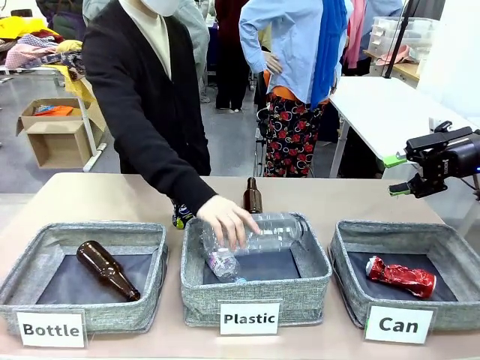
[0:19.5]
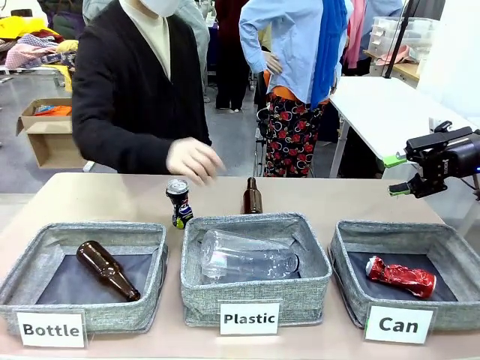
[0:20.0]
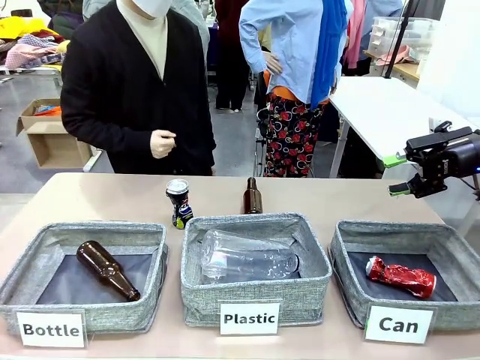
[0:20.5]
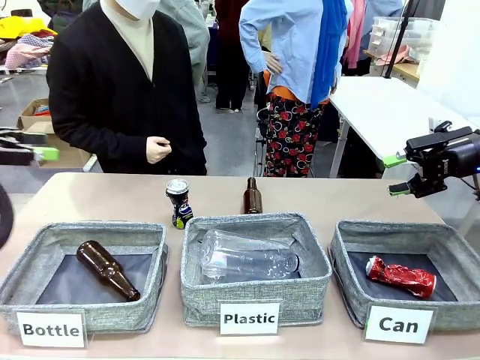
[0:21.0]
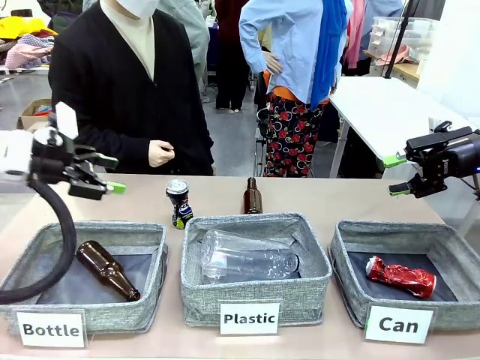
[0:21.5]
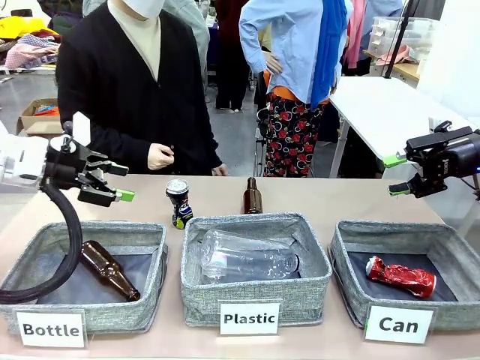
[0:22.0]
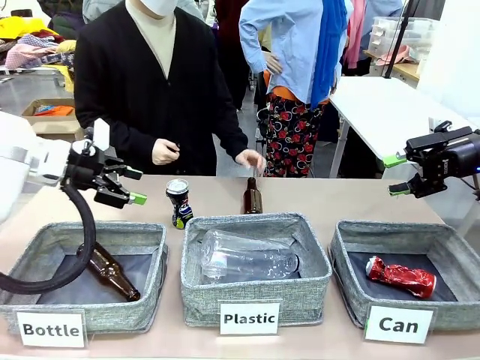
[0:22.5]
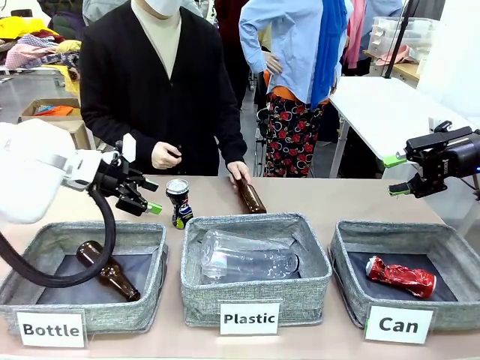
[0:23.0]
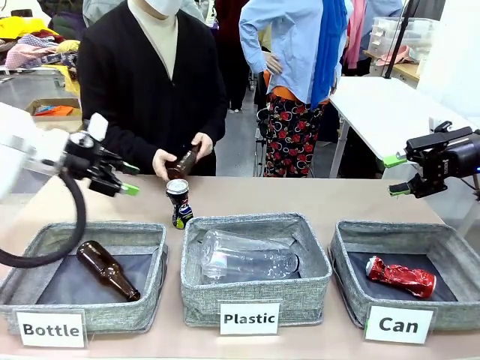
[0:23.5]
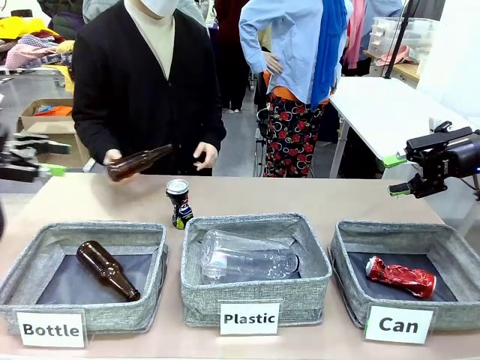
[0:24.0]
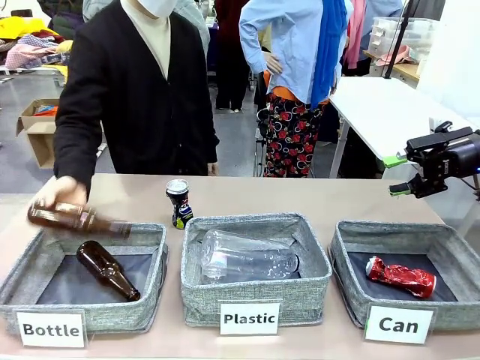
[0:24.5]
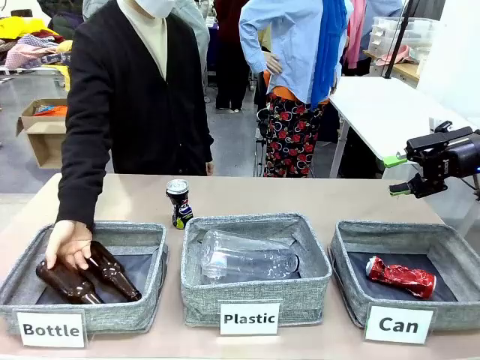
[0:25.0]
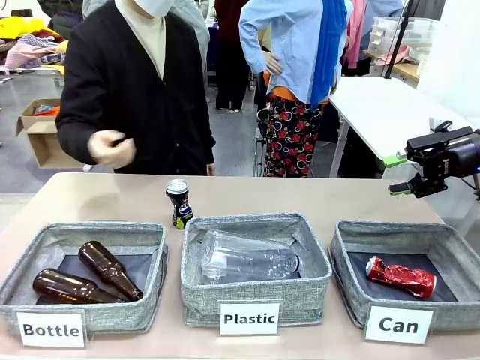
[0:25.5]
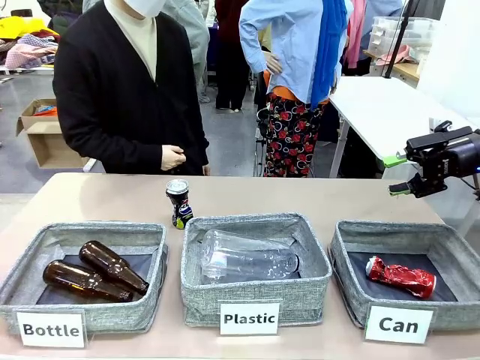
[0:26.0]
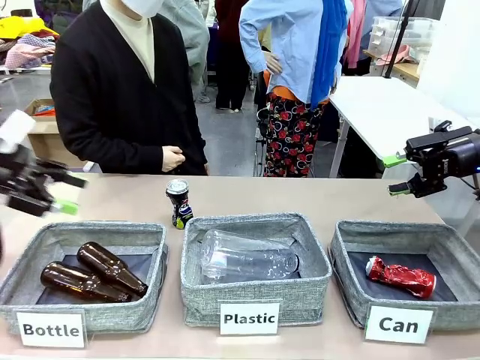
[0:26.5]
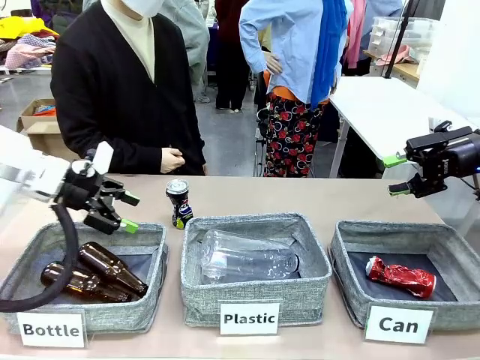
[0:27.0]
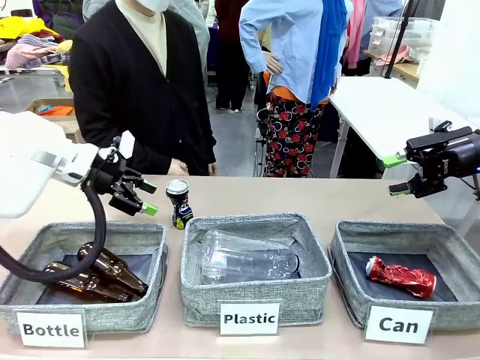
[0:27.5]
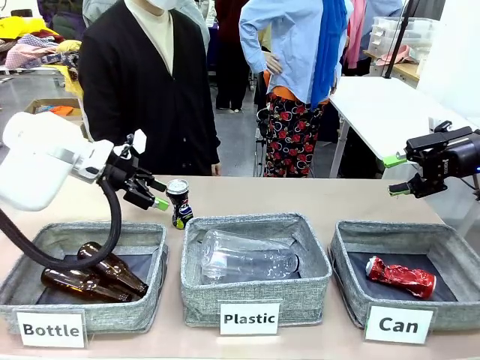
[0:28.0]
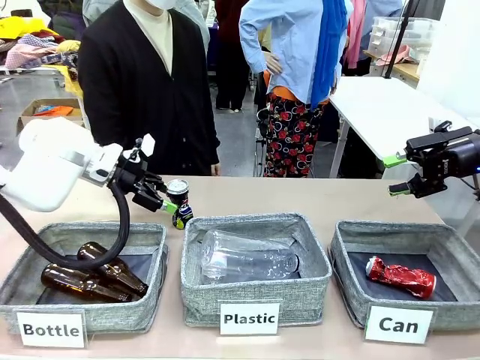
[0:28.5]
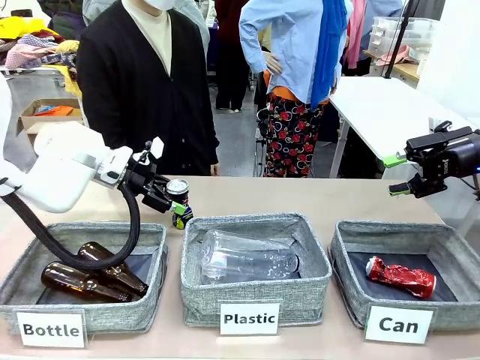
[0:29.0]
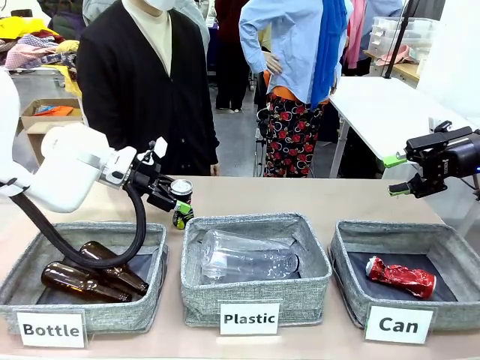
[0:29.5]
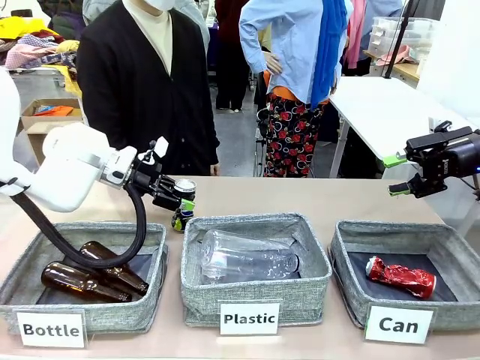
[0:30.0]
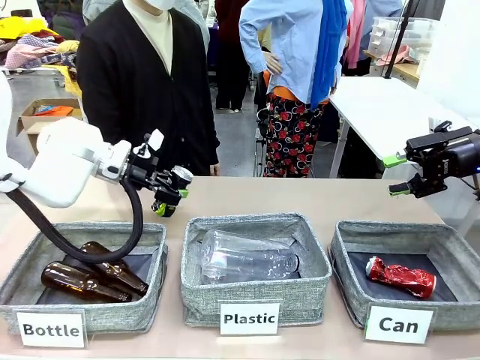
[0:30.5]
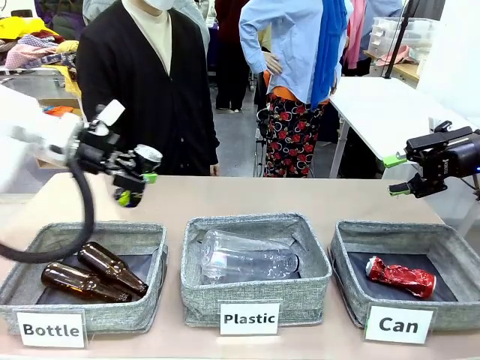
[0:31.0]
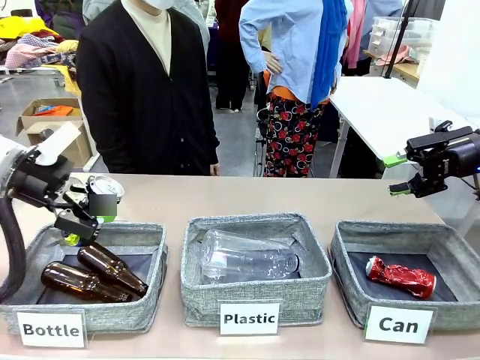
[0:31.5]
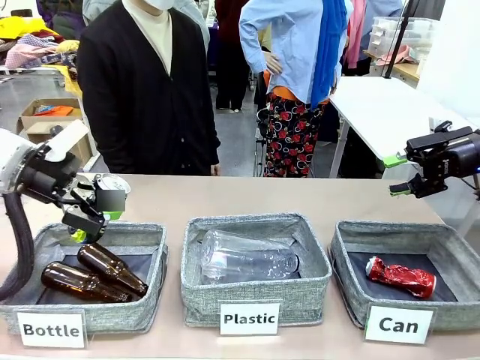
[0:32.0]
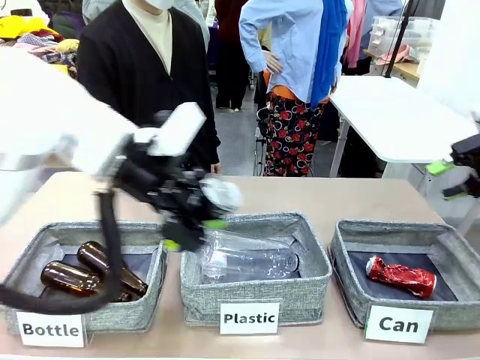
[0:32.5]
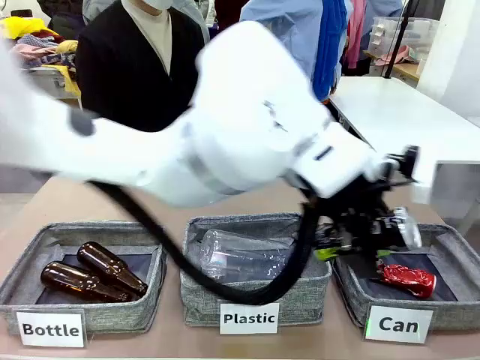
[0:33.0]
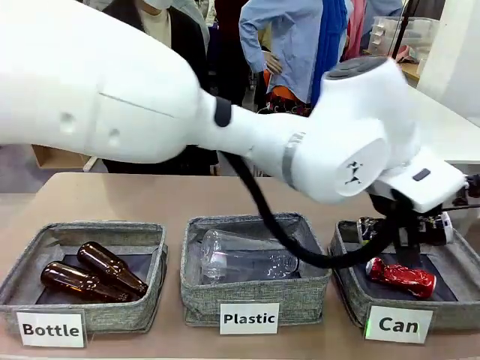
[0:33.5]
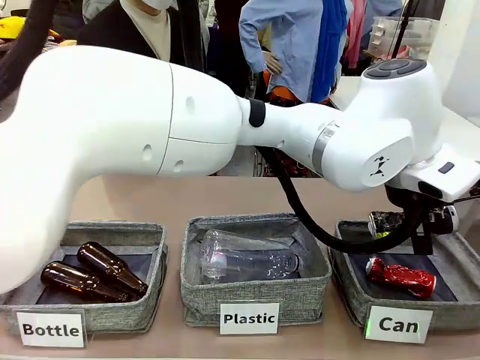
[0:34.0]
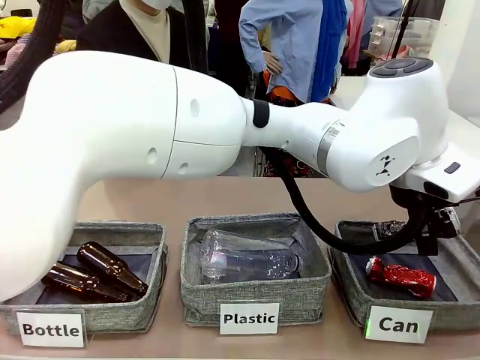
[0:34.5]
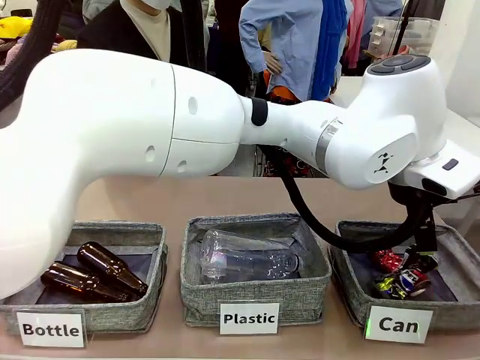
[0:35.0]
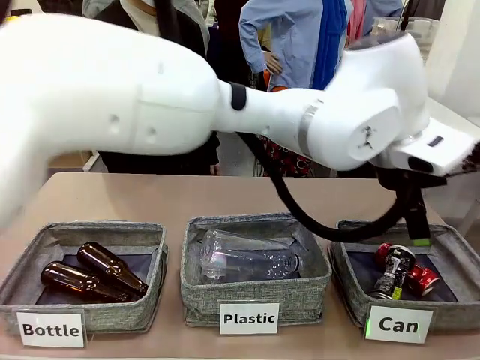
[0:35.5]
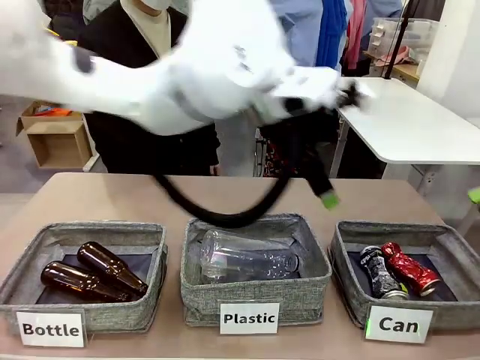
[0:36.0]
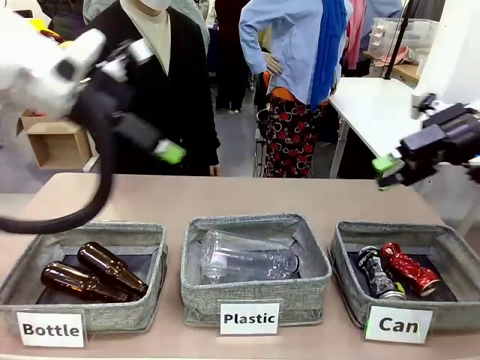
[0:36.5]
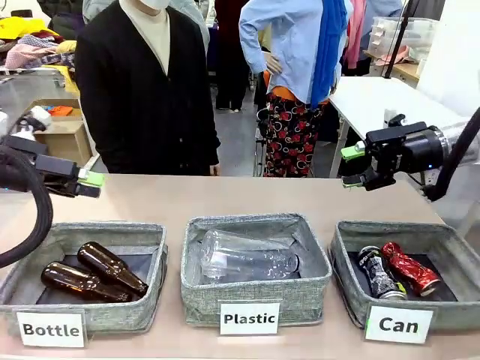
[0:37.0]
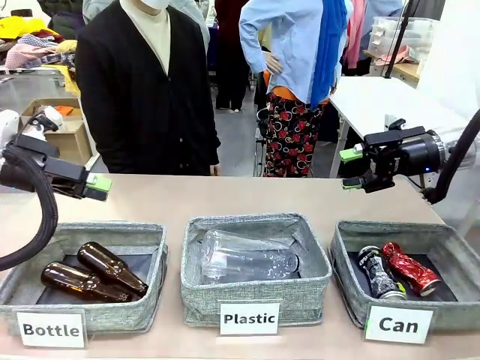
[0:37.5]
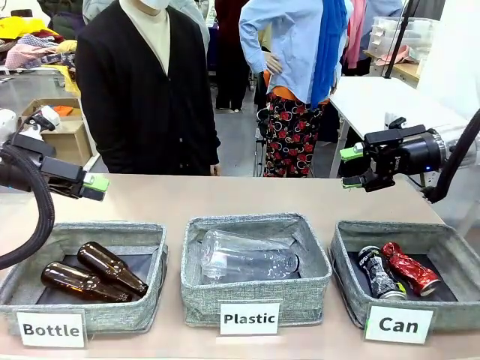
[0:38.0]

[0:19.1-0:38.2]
Task: Sort the can waste into the basket.
Robot: Pick up the can waste from the table and place it in the right Fabric basket.
